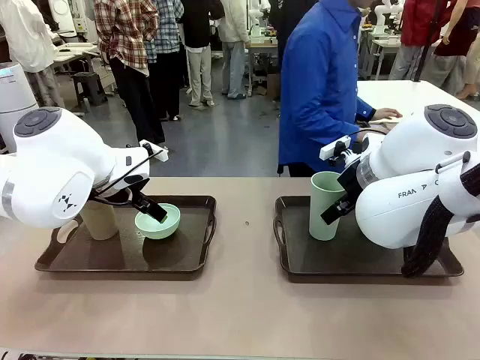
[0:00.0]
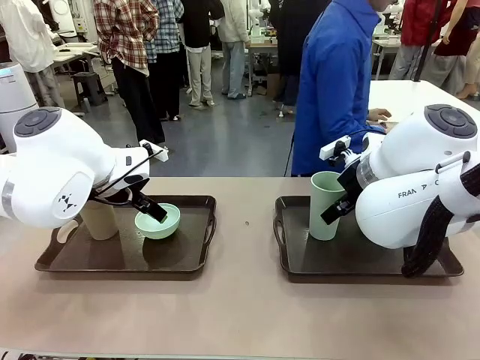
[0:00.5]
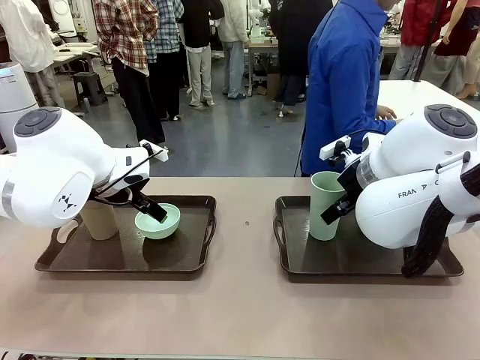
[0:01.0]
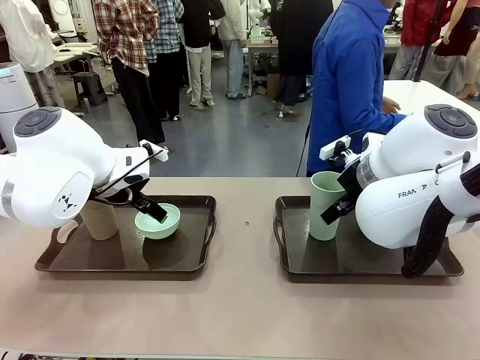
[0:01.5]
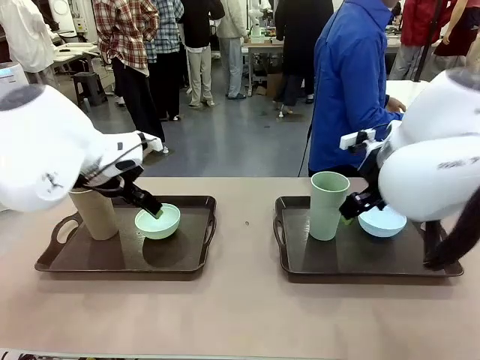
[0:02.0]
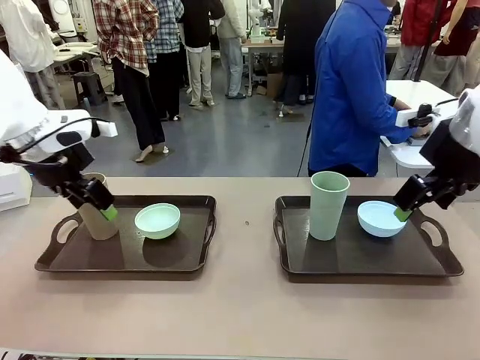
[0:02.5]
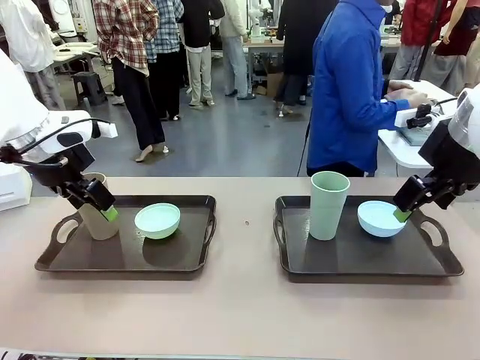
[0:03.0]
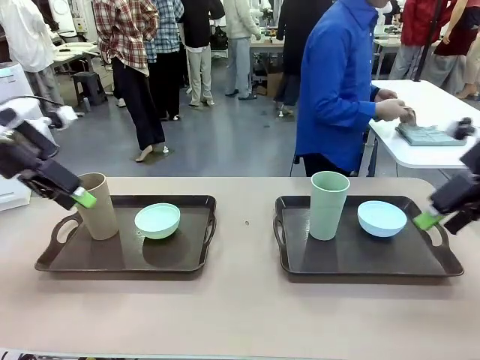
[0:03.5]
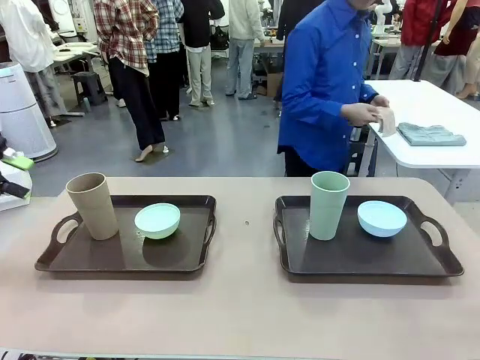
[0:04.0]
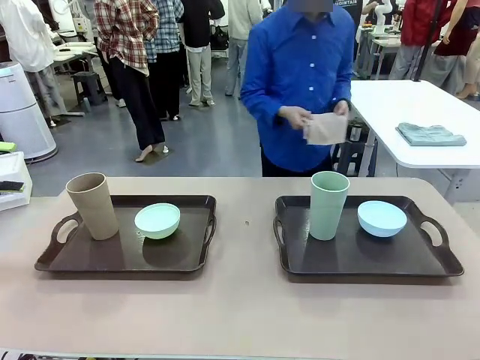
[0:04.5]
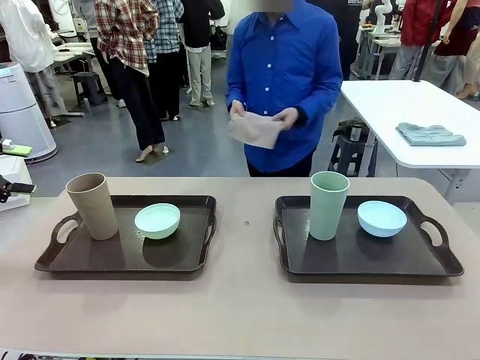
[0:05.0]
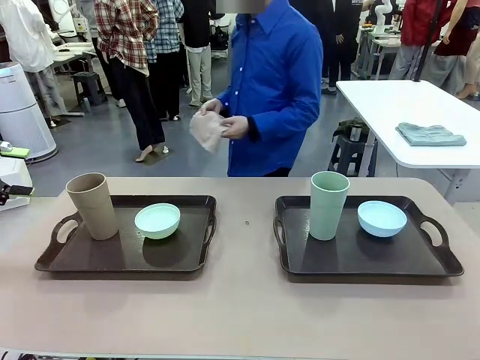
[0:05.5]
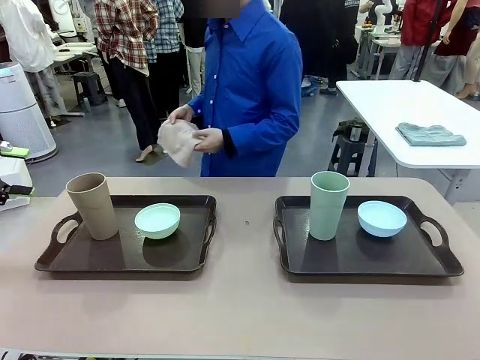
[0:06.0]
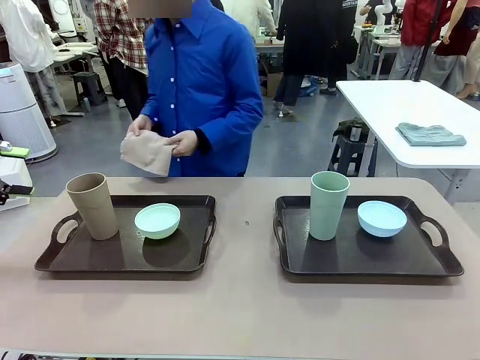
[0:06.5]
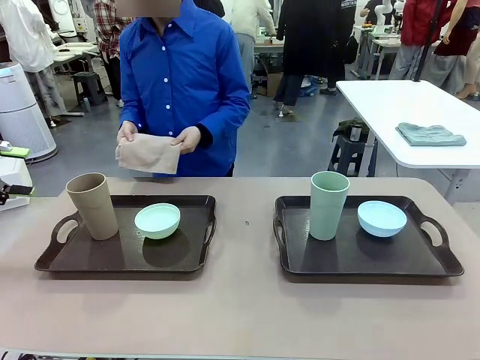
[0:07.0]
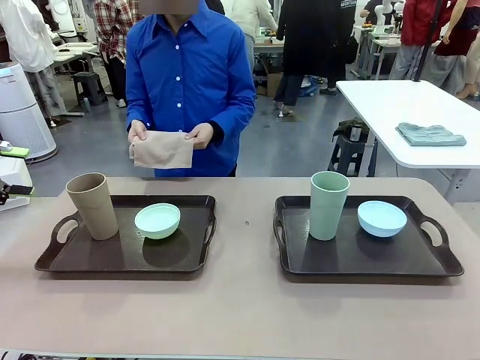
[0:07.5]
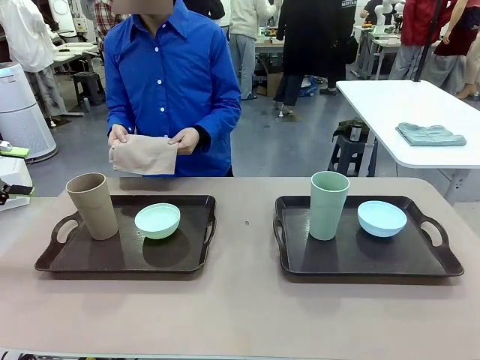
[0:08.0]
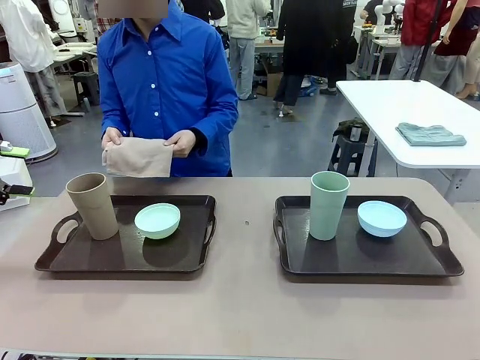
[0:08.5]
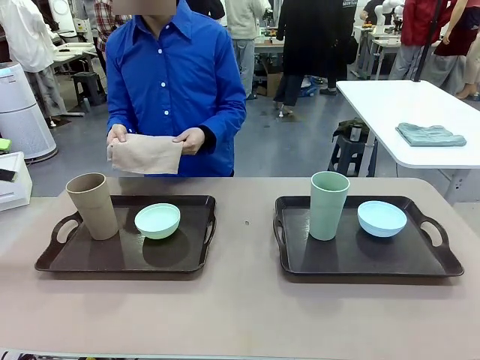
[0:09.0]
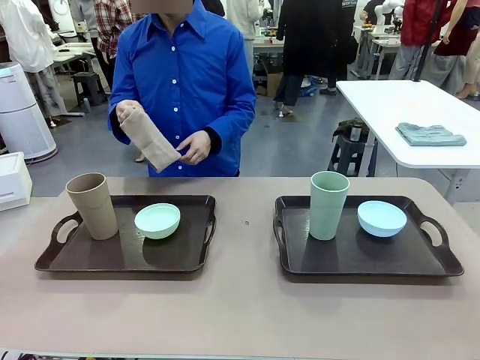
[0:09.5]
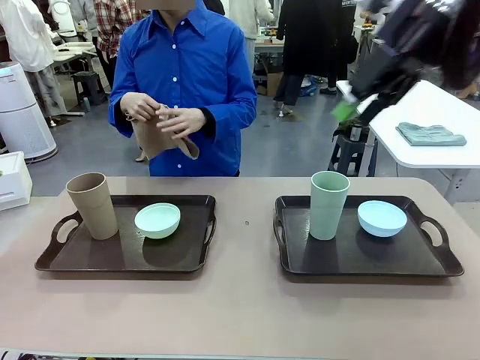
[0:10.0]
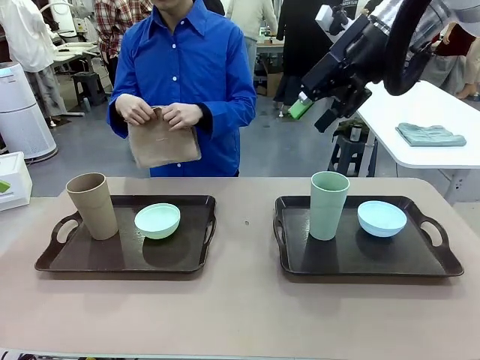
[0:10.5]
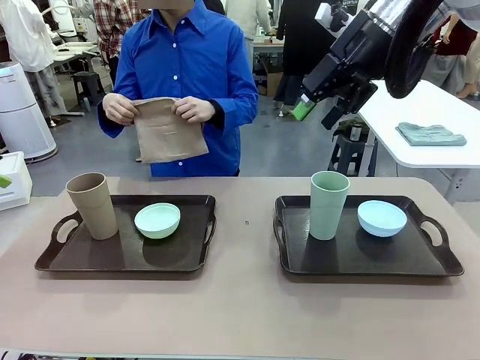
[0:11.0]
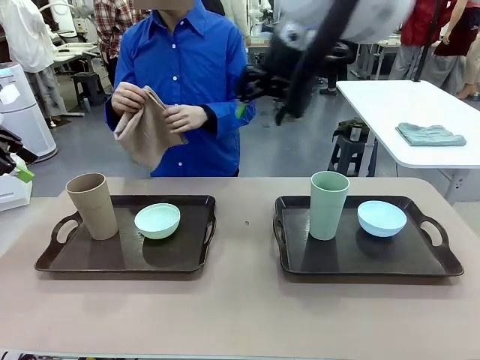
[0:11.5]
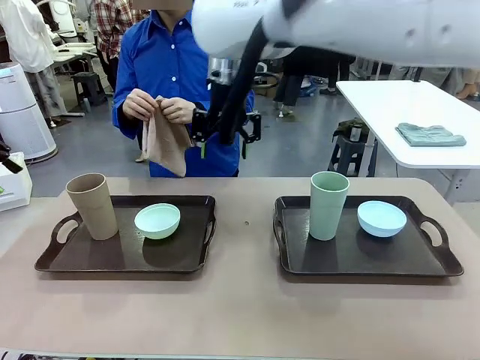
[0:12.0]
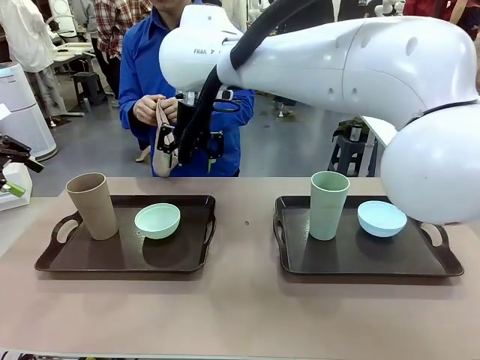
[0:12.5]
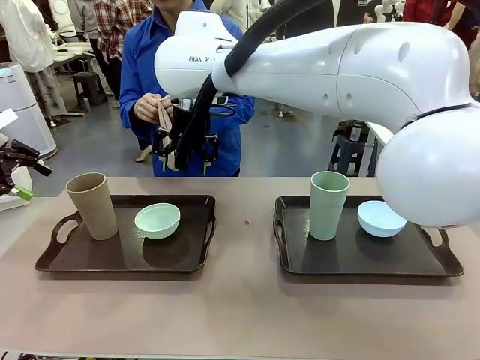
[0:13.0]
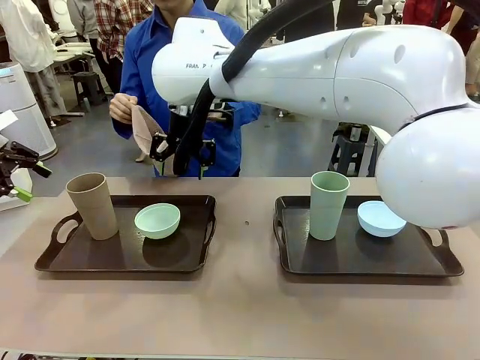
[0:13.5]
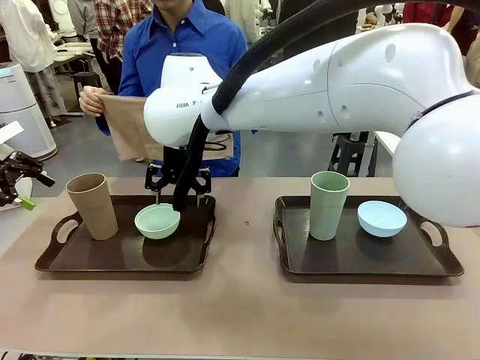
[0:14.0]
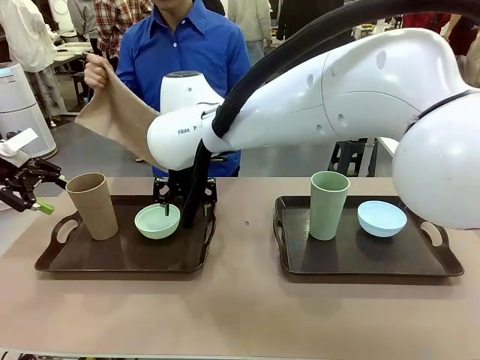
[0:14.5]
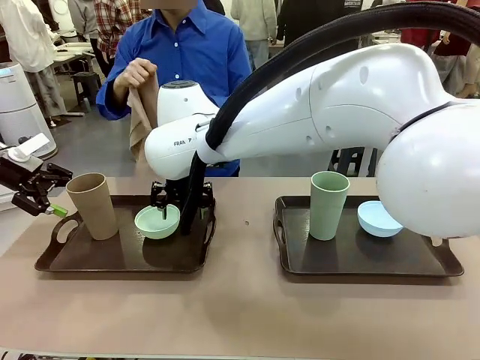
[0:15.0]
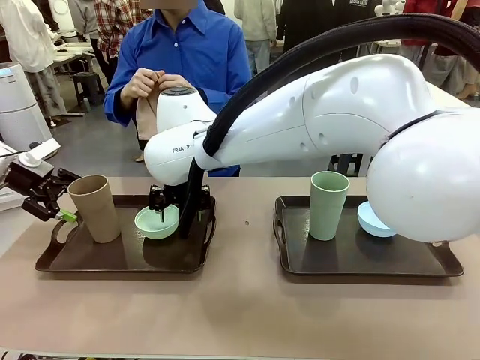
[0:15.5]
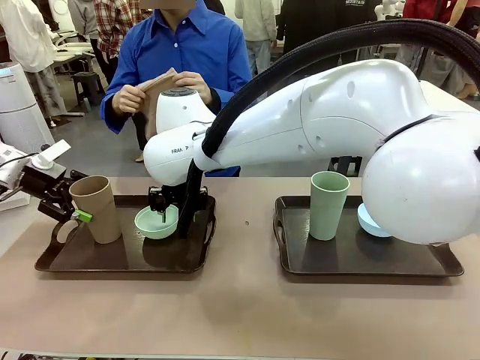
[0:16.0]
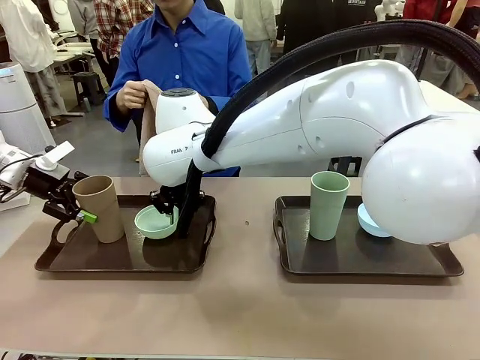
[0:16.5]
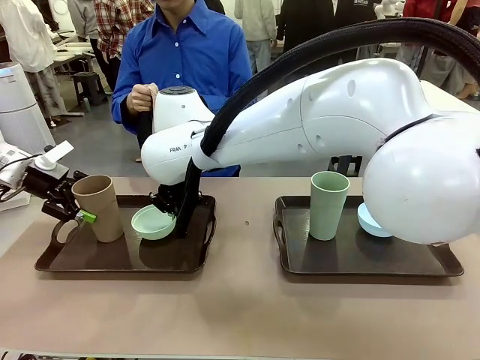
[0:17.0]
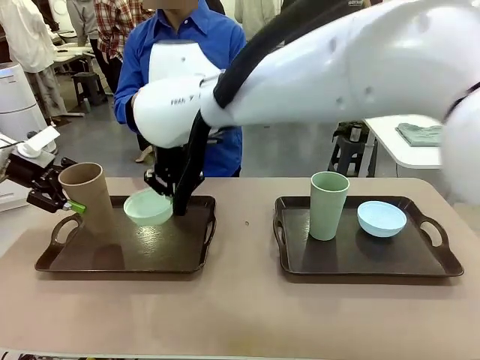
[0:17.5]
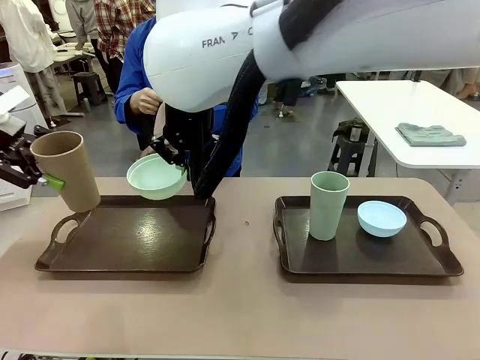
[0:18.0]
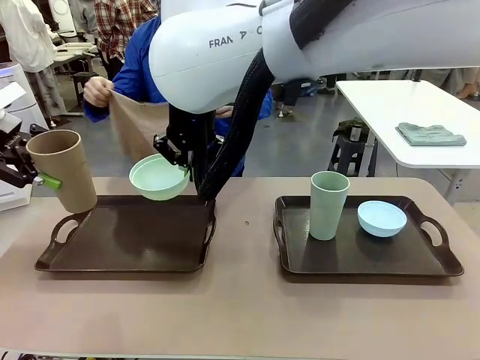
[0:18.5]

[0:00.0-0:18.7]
Robot: Pick up the Picnic Bowl and Reusable plastic cup from the Handle tray in front of the human's position and hold them in the air.
Person: The human picks up the top napkin from the stack on the human table and walks to the robot table to stand in front of one of the two trays. When the robot lifts the bowl and the cup, the human unfolds the napkin and lays the napkin flat on the tray.

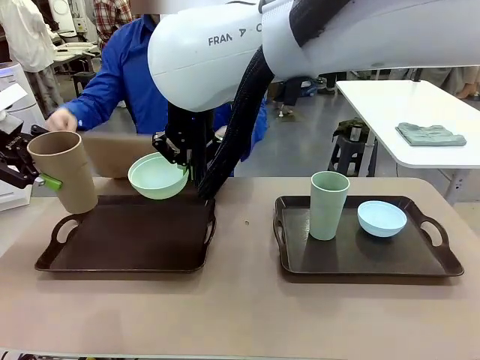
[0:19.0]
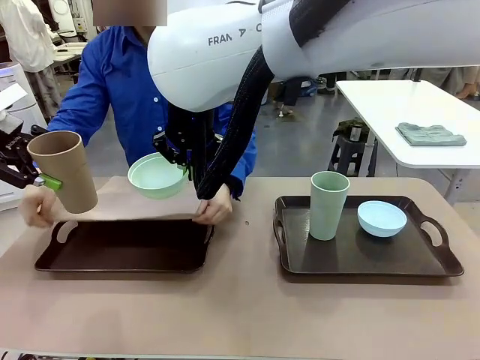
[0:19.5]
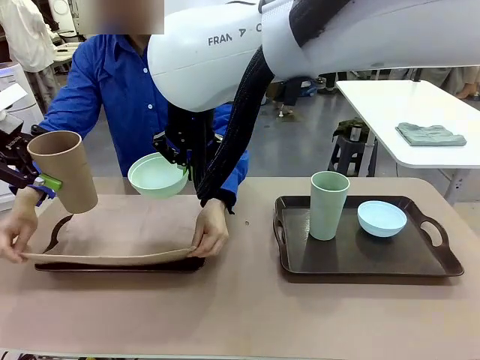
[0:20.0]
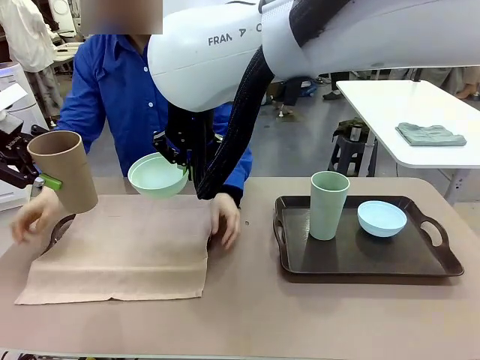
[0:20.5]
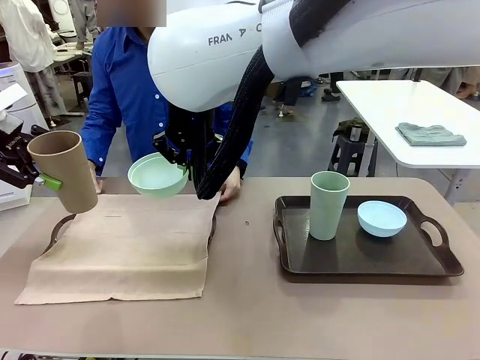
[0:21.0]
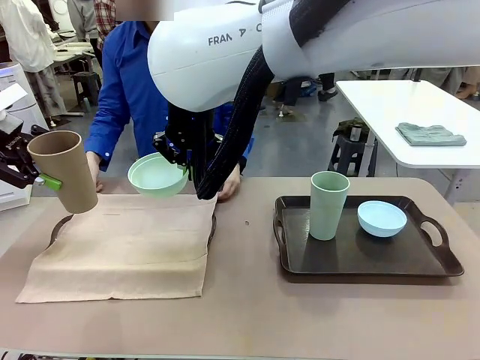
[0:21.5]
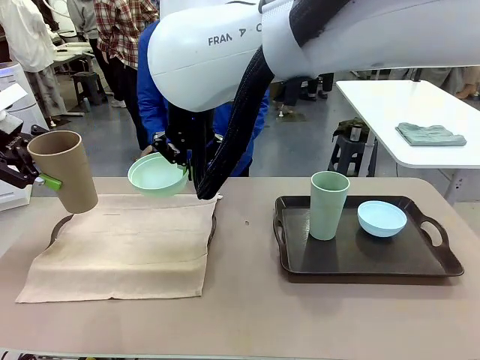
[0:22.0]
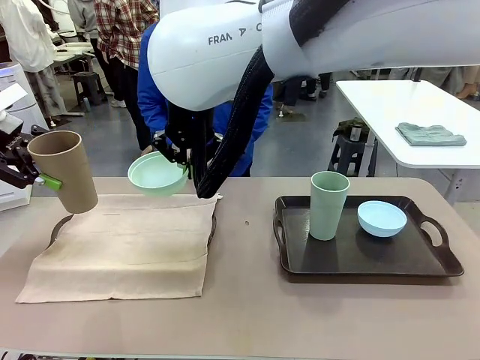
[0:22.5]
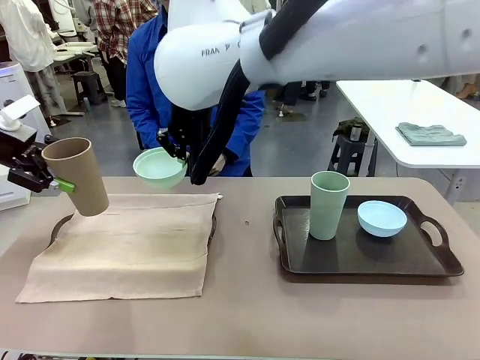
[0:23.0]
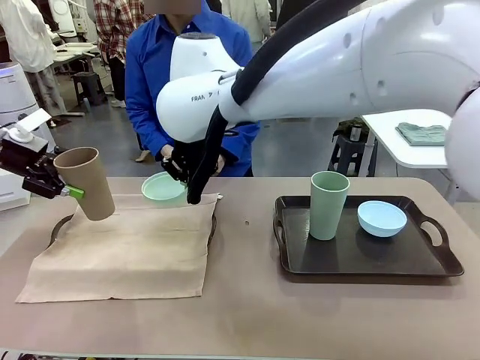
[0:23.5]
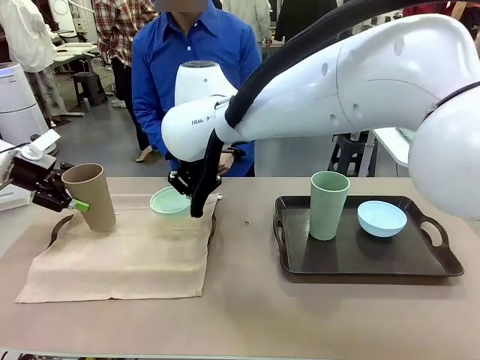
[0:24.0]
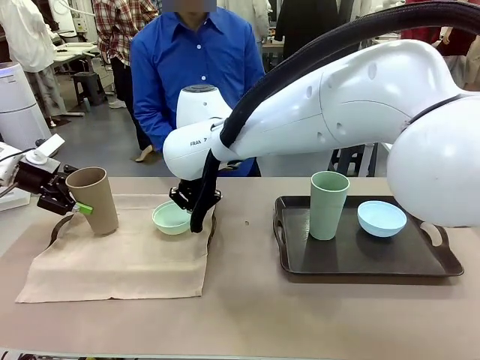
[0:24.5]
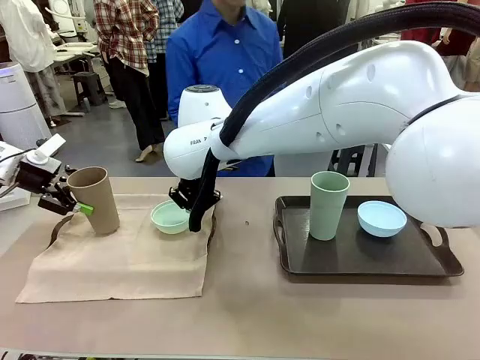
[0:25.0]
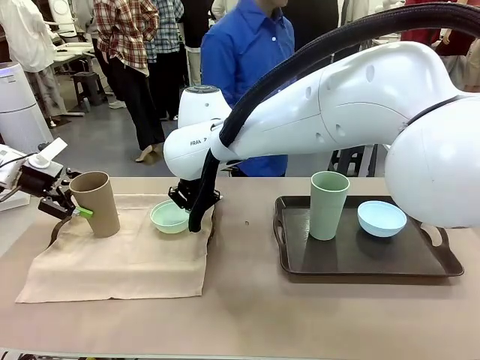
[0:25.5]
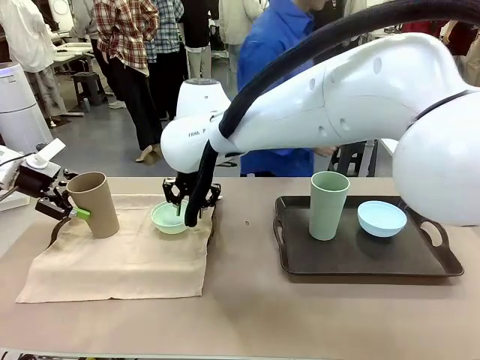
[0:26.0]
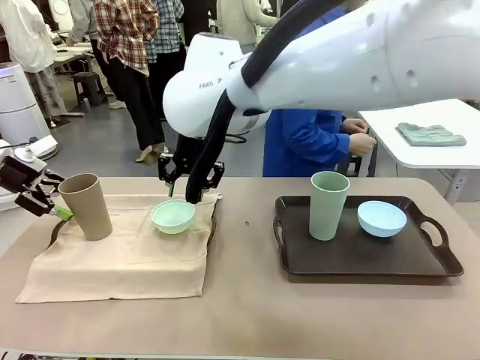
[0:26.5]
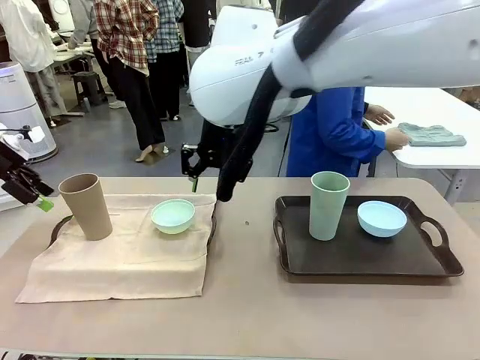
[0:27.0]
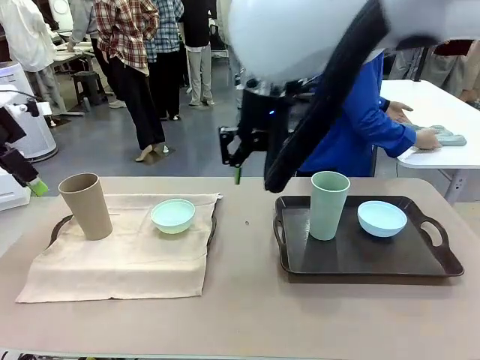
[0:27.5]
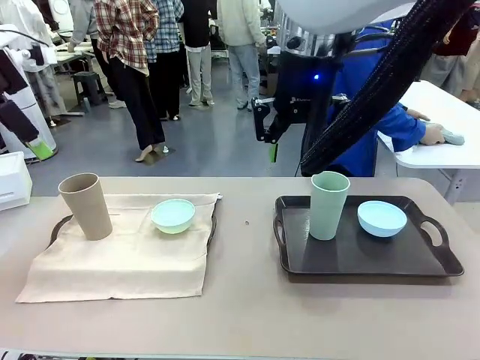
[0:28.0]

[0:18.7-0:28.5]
Robot: Place the Picnic Bowl and Reusable plastic cup back onto the Handle tray in front of the human's position.
Person: The human returns to the human table to pick up another napkin and walks to the robot table to stand in front of the tray without a napkin.
